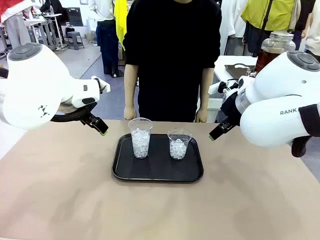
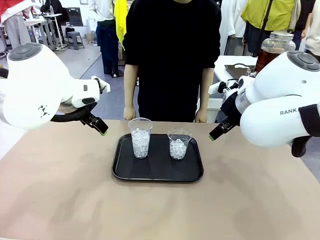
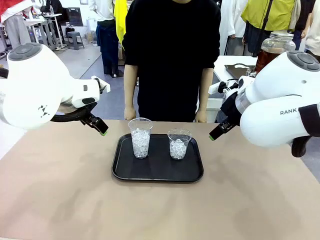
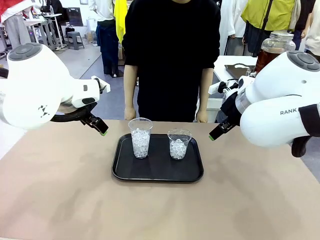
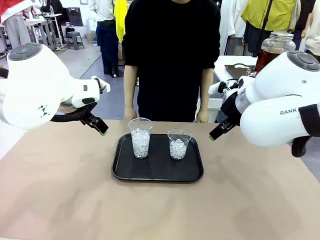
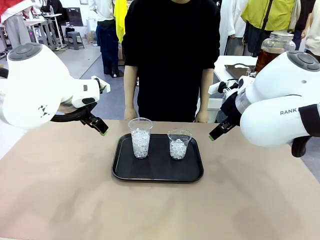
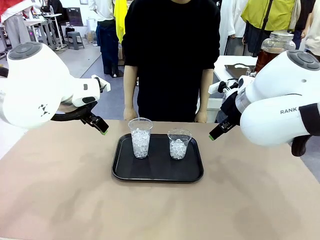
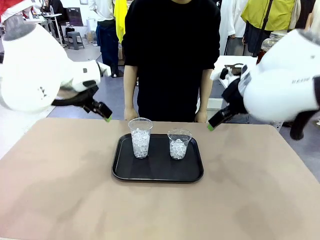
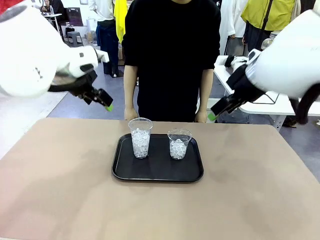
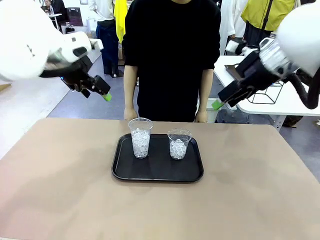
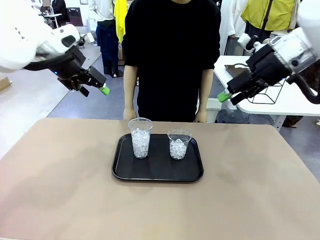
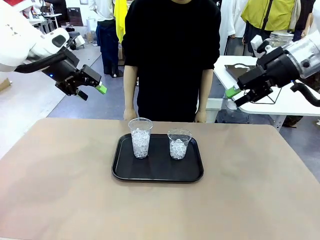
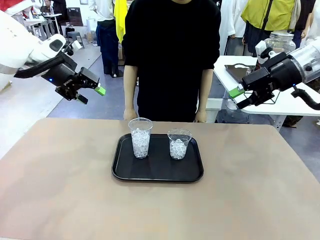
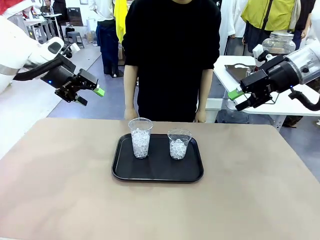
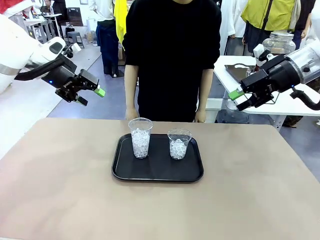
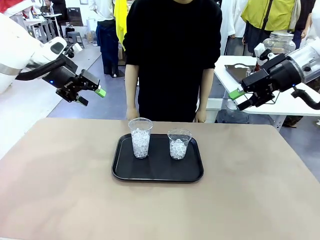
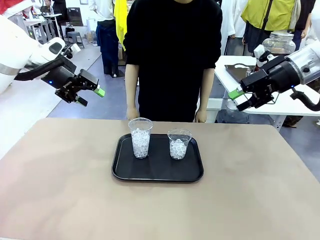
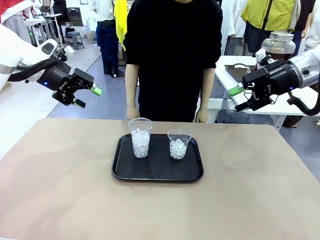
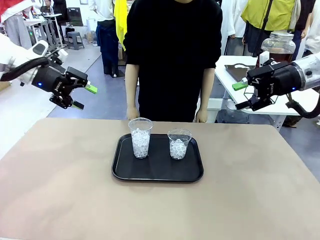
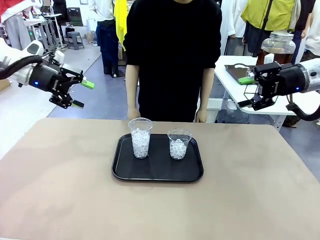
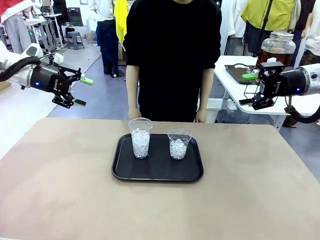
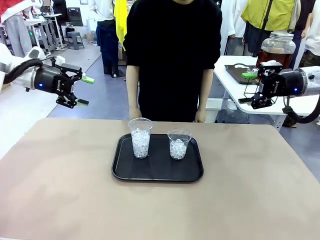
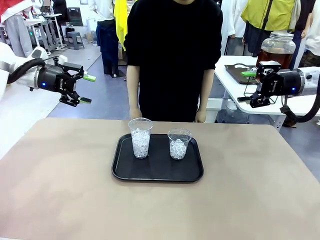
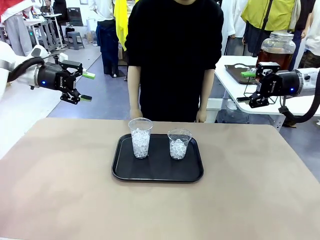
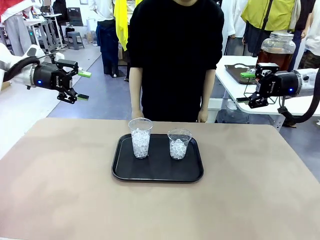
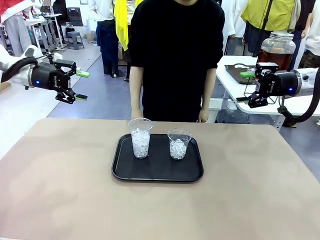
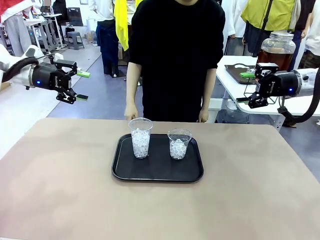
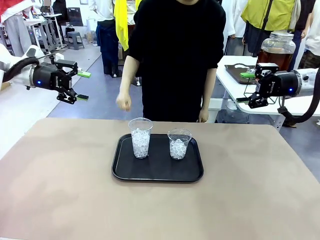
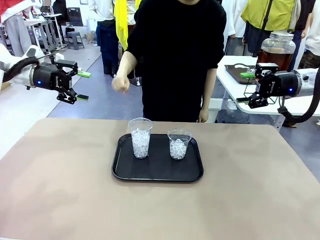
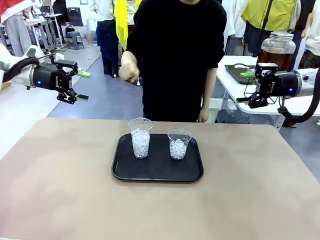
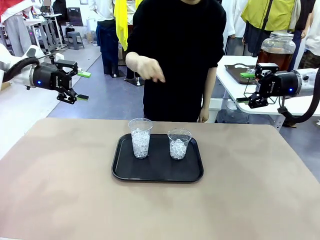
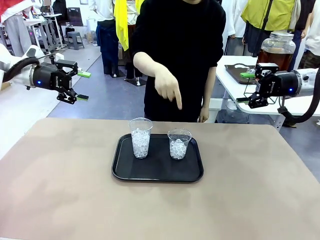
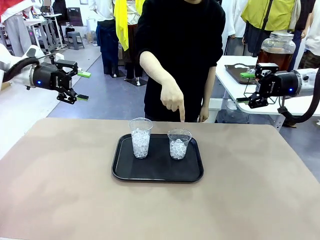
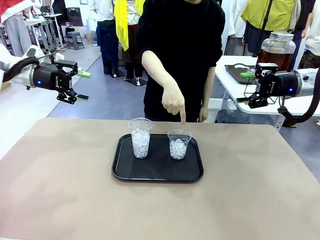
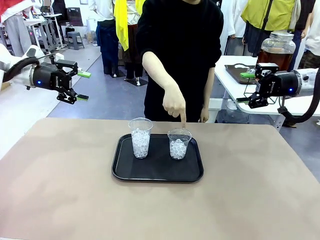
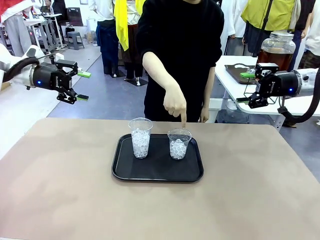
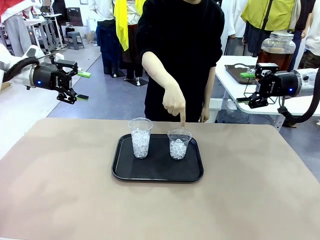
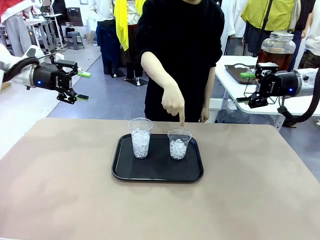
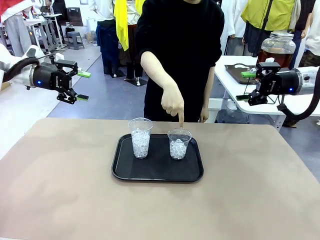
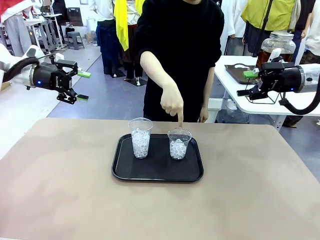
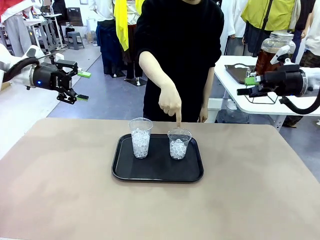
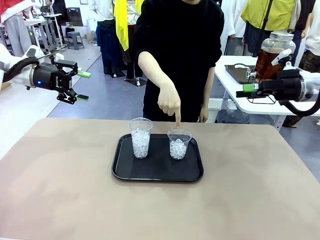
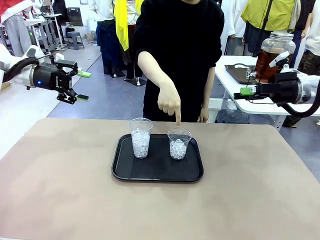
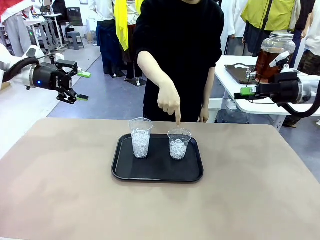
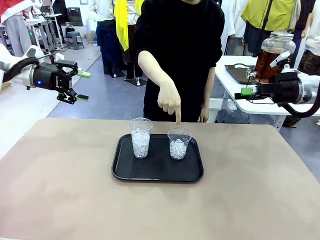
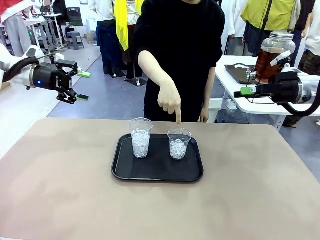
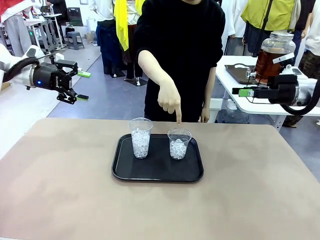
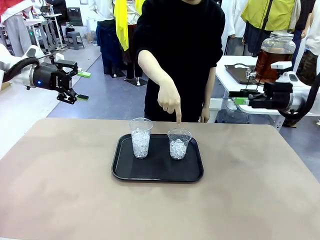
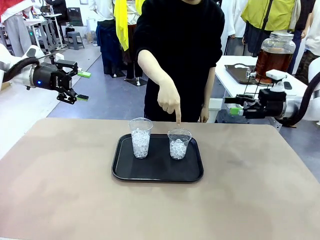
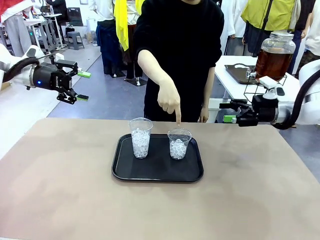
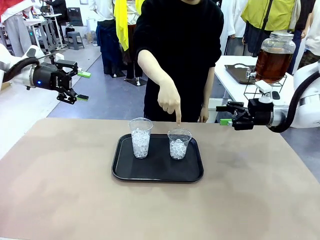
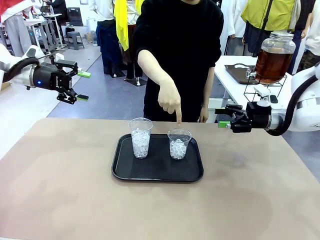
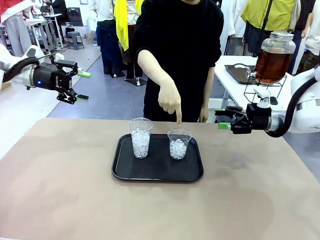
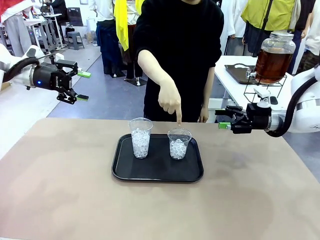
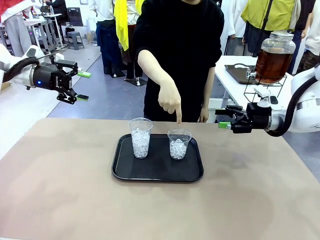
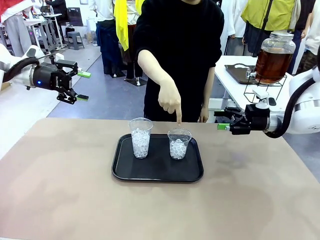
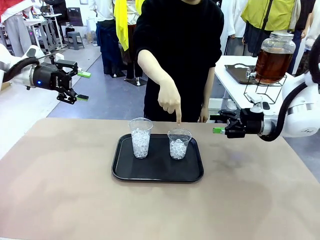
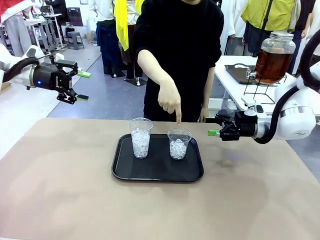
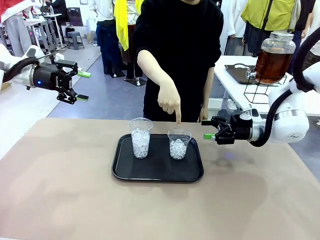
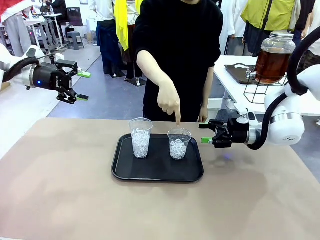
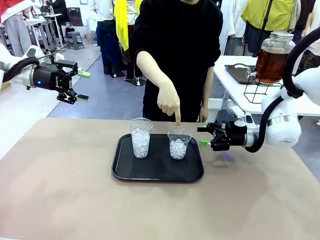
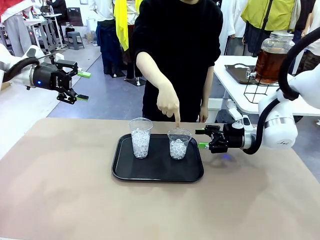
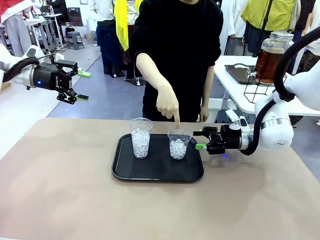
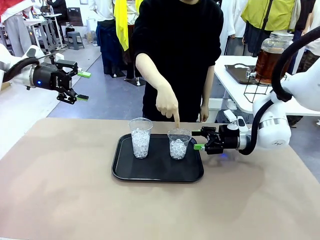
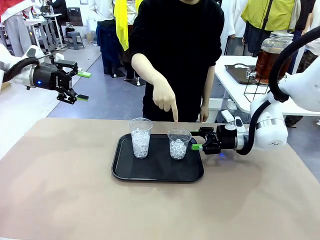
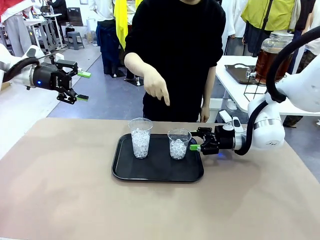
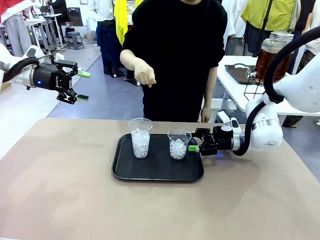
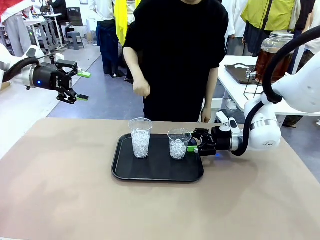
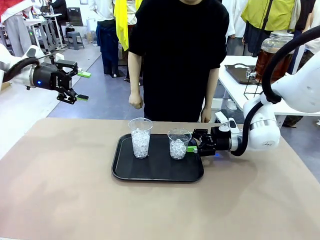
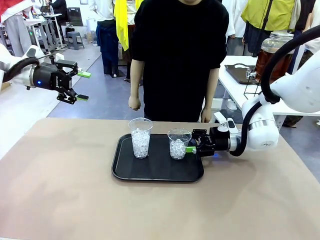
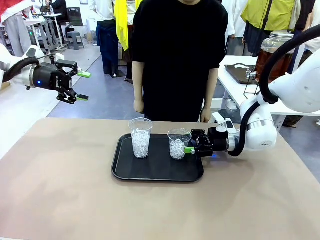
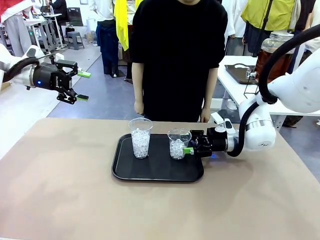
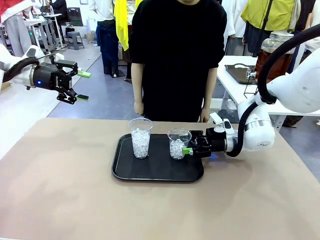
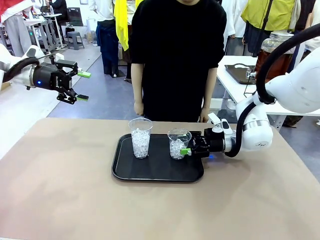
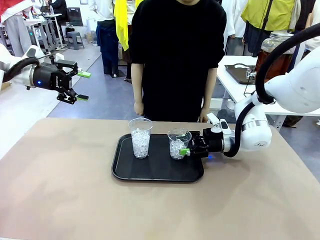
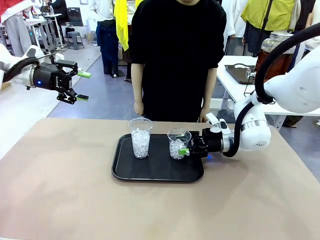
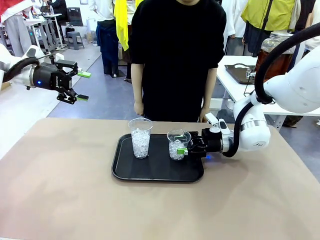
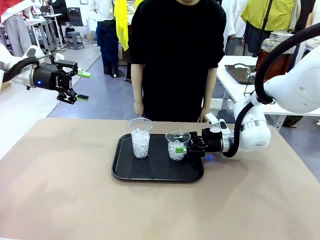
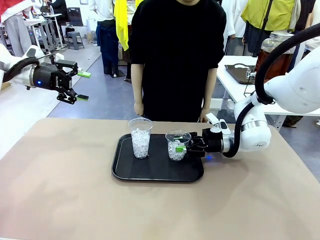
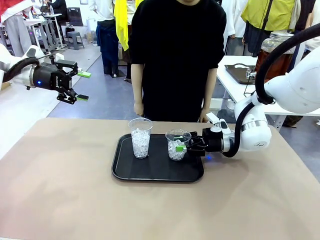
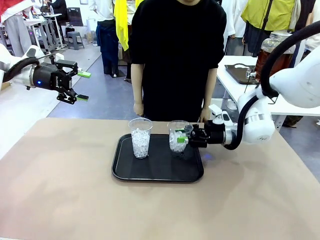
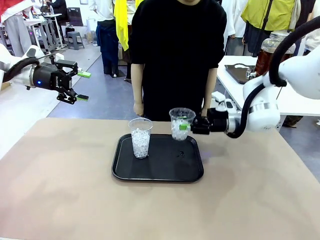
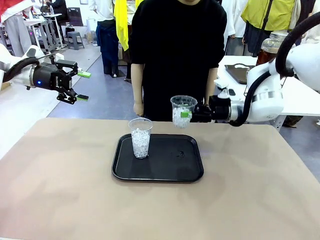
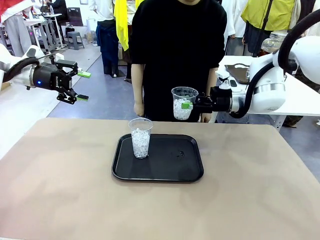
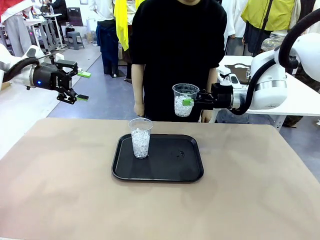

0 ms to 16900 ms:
Task: Pour the drink into the iced cup.
Robot: Pick up the iced cup indicated by the human and present it to them.
Person: Point to one of the two ice cups. Pick up the cup offered by the robot.

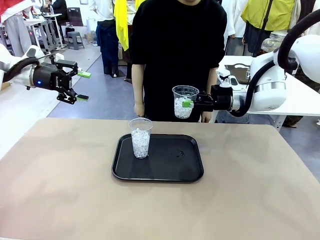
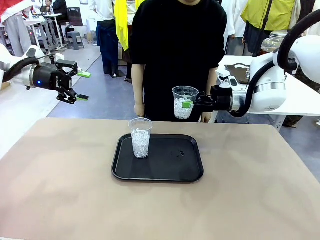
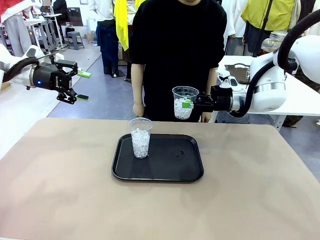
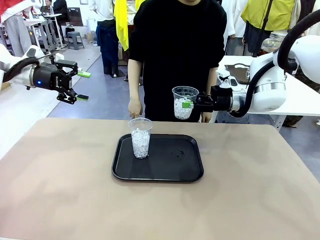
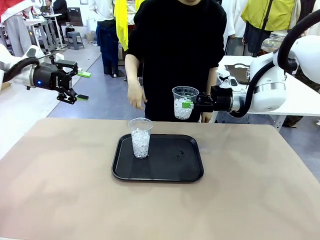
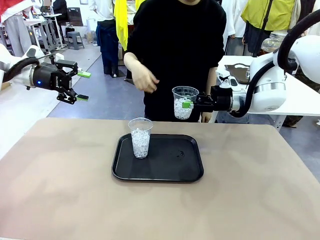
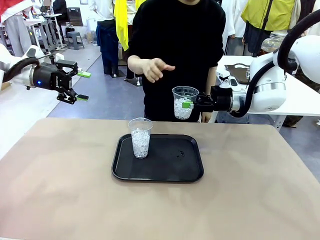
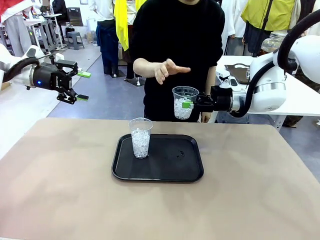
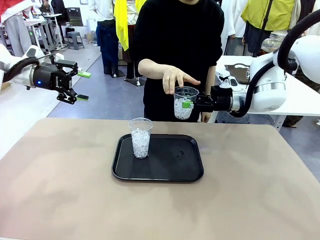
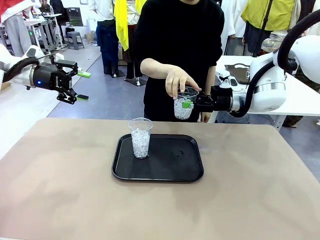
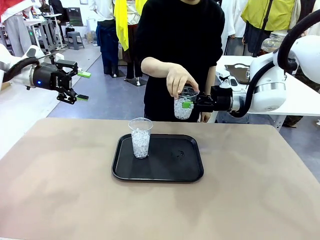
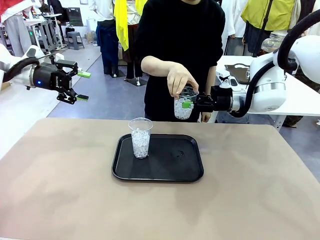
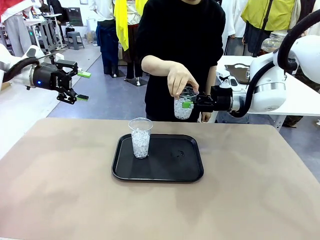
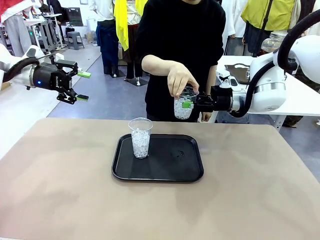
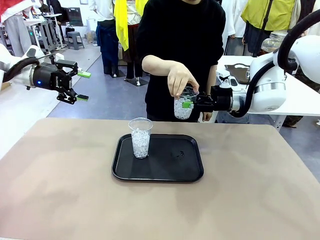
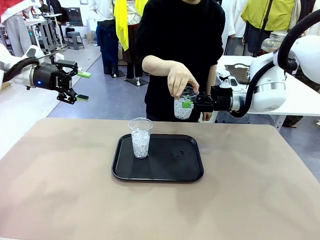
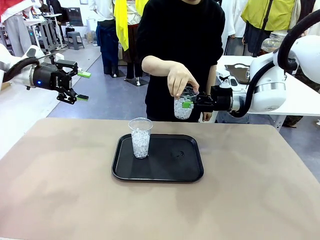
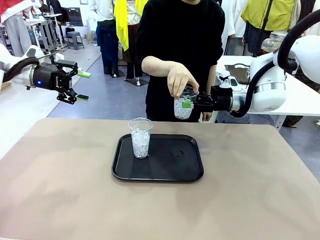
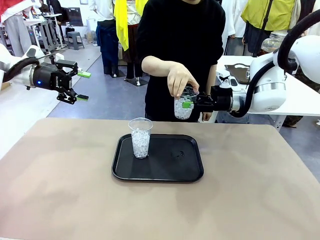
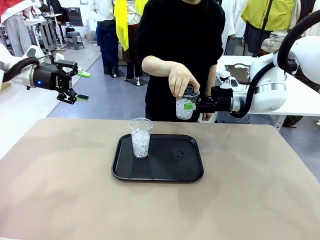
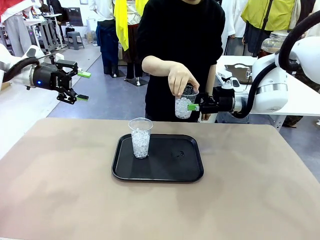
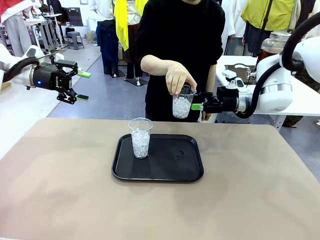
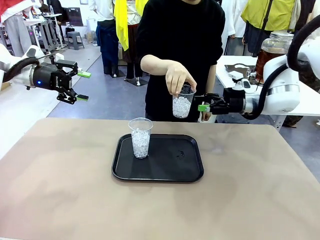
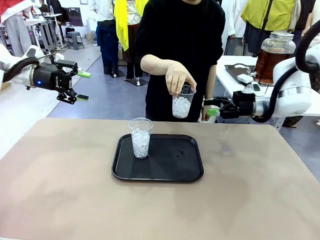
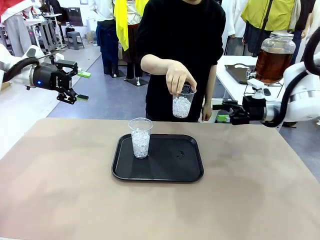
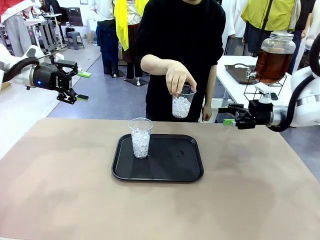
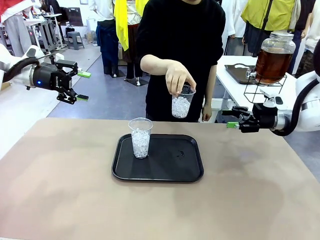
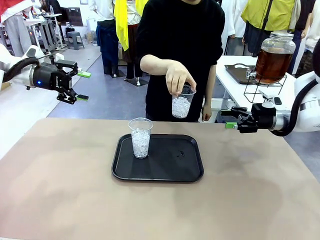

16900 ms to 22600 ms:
Robot: Open the gripper to release the iced cup you were holding.
